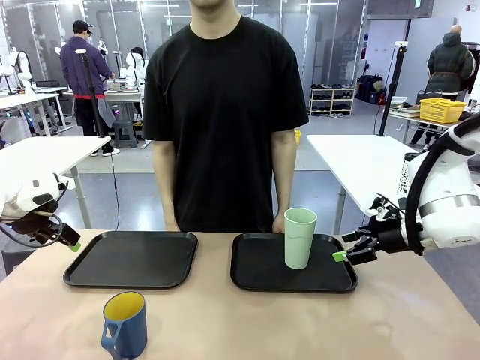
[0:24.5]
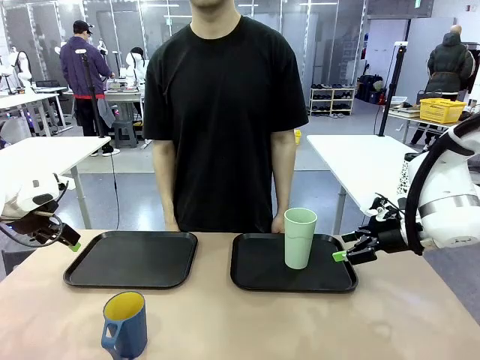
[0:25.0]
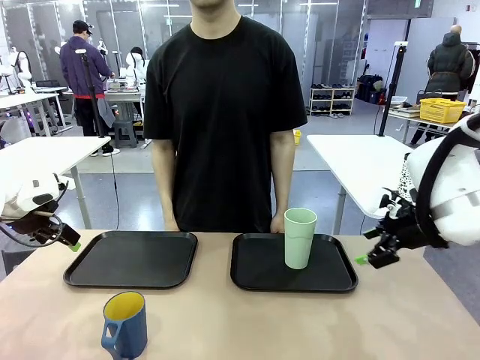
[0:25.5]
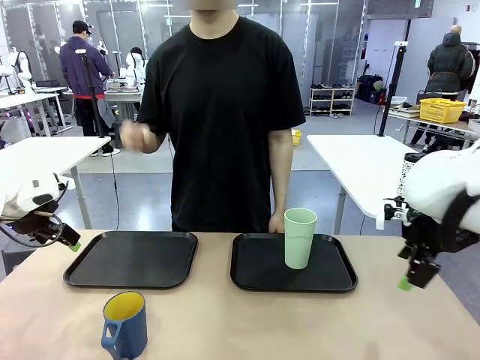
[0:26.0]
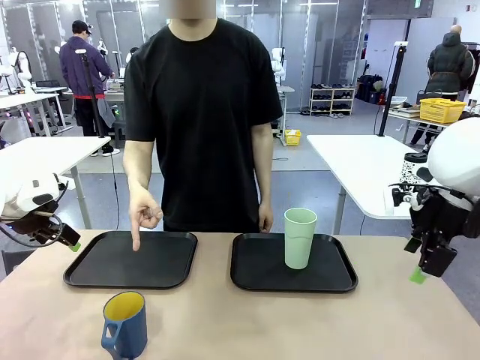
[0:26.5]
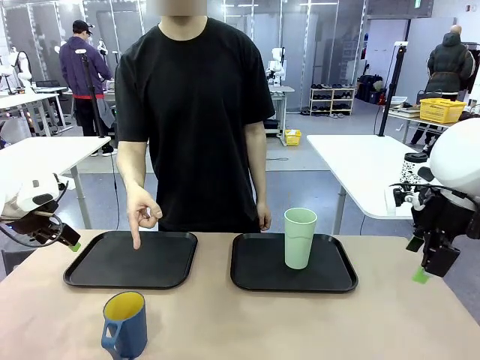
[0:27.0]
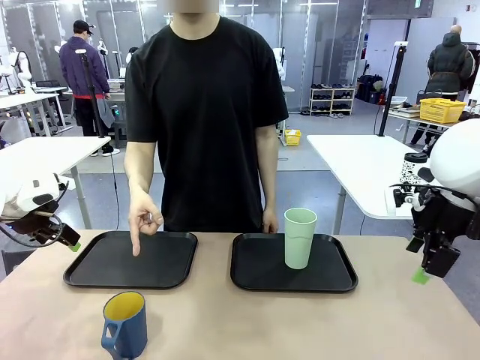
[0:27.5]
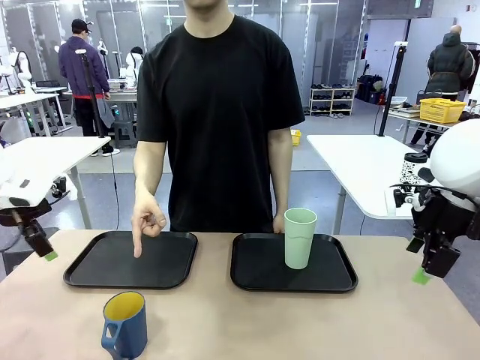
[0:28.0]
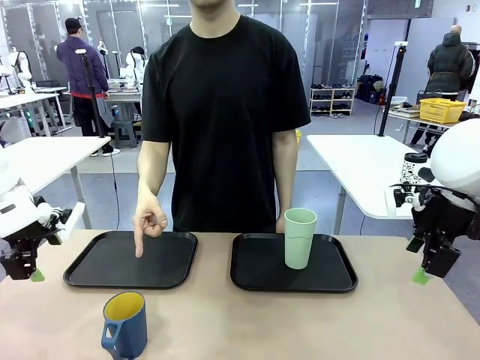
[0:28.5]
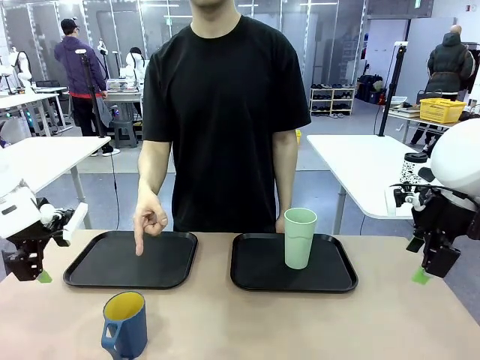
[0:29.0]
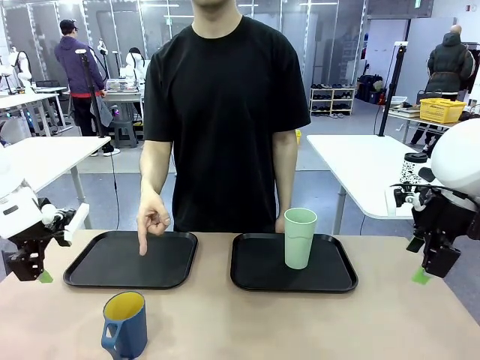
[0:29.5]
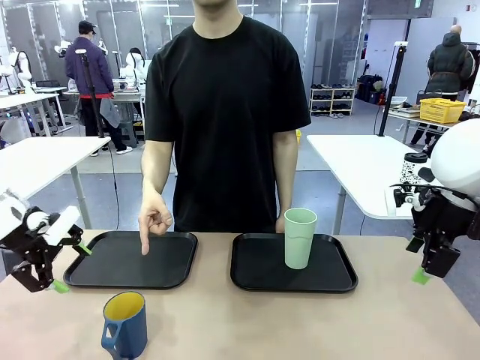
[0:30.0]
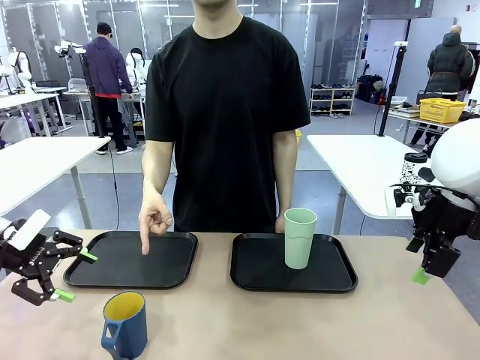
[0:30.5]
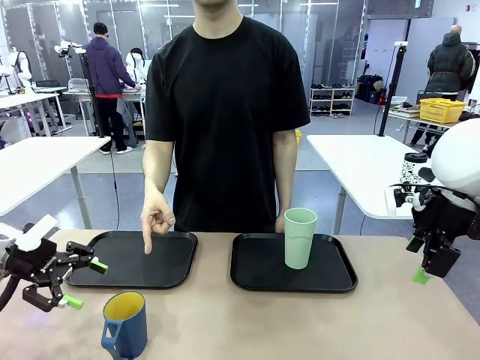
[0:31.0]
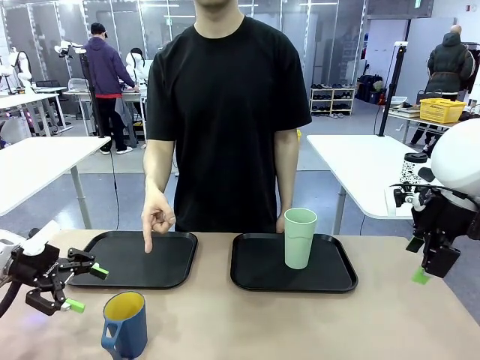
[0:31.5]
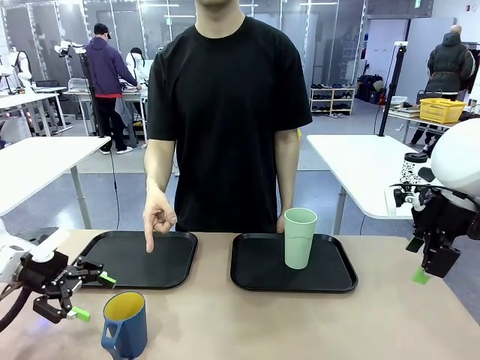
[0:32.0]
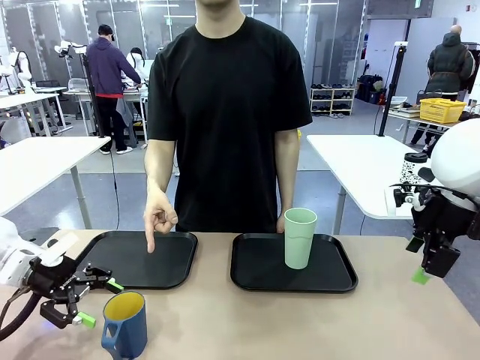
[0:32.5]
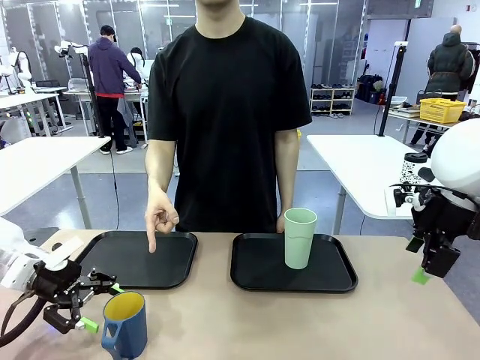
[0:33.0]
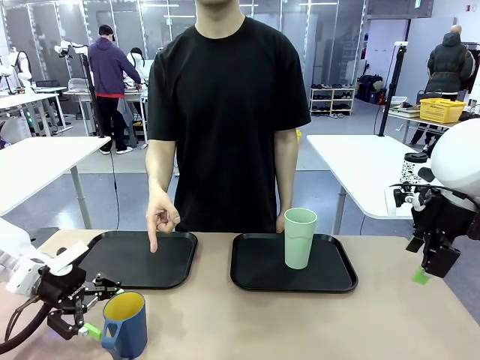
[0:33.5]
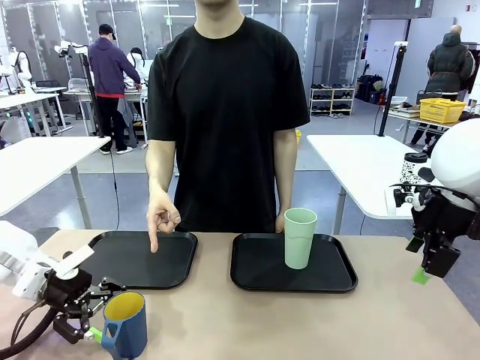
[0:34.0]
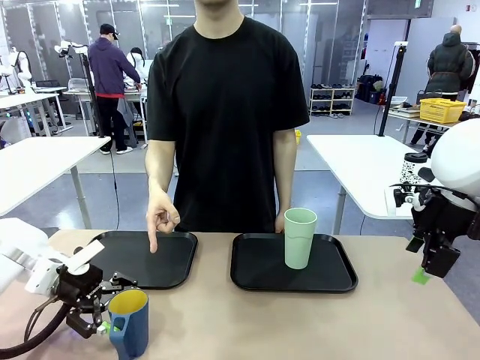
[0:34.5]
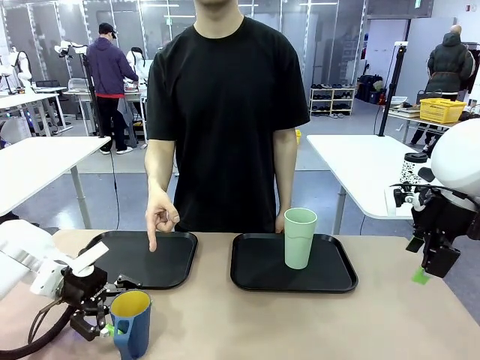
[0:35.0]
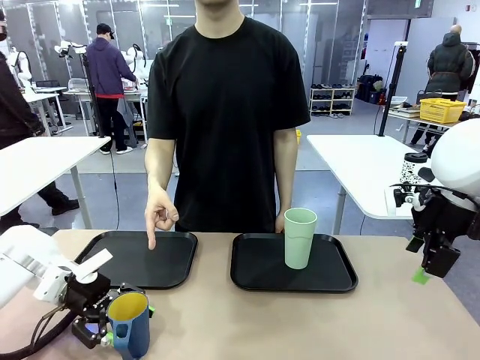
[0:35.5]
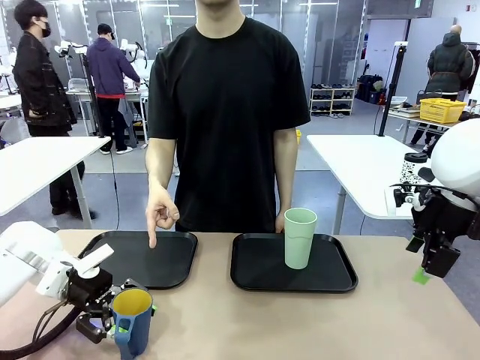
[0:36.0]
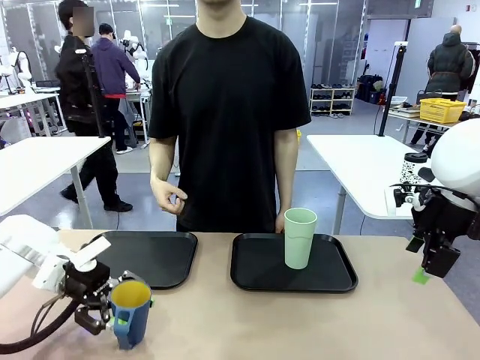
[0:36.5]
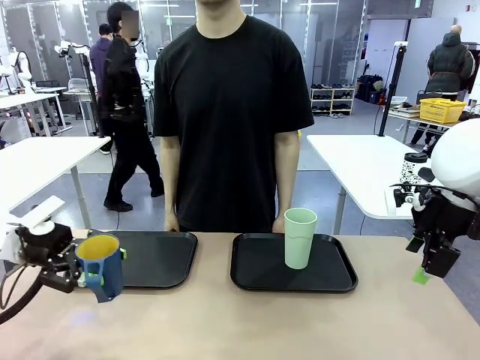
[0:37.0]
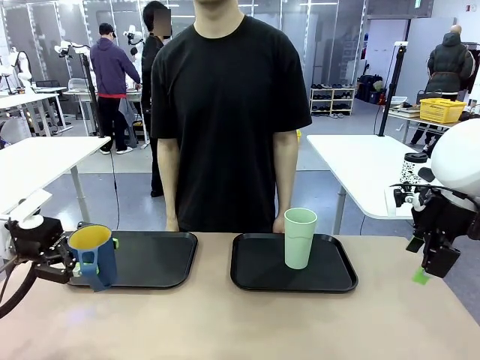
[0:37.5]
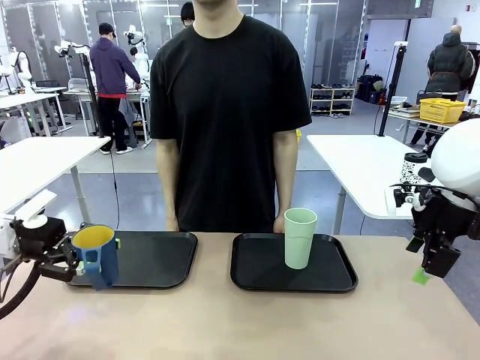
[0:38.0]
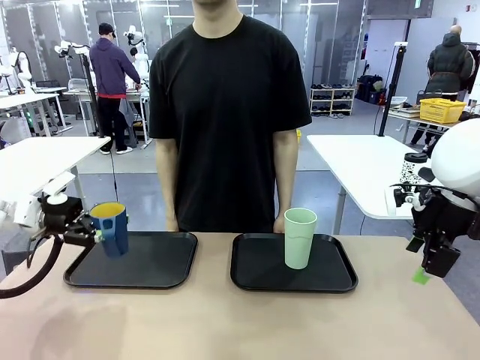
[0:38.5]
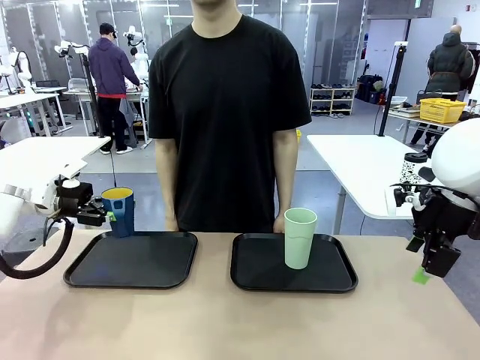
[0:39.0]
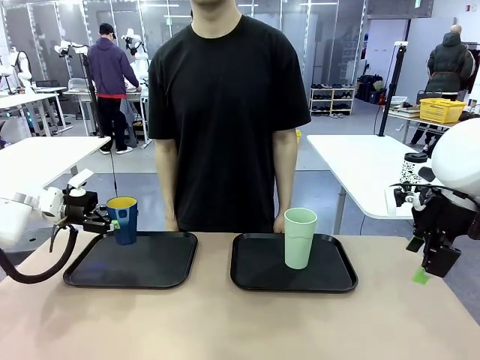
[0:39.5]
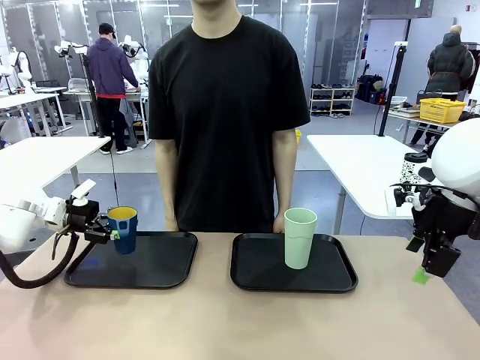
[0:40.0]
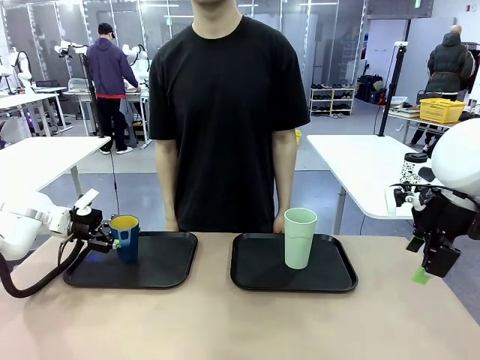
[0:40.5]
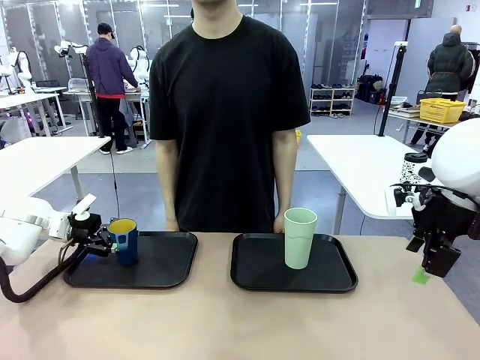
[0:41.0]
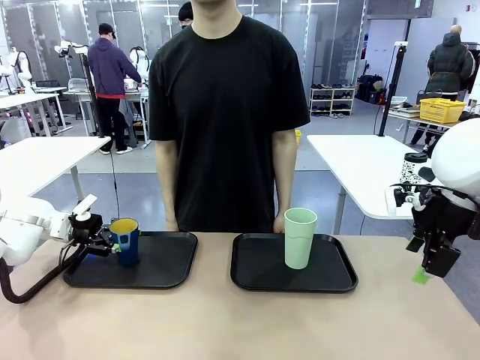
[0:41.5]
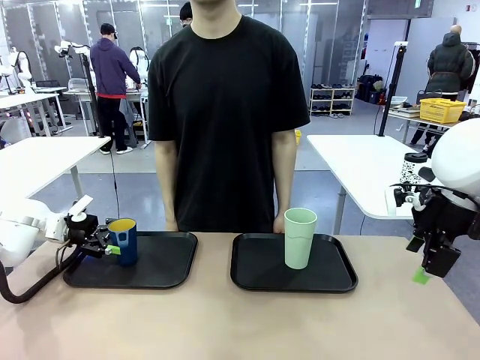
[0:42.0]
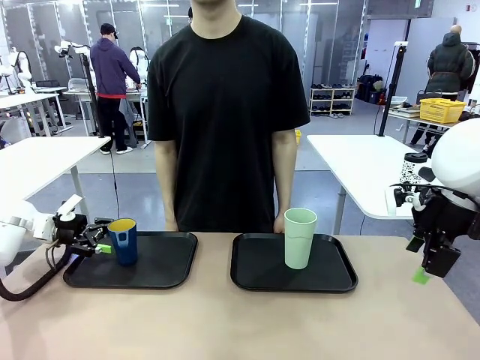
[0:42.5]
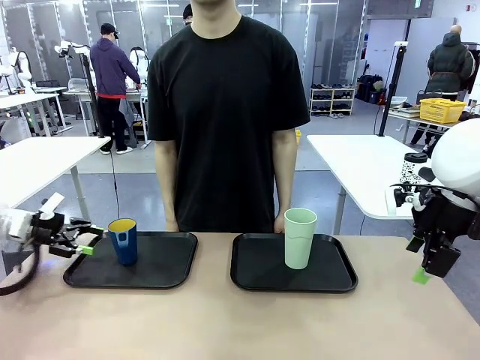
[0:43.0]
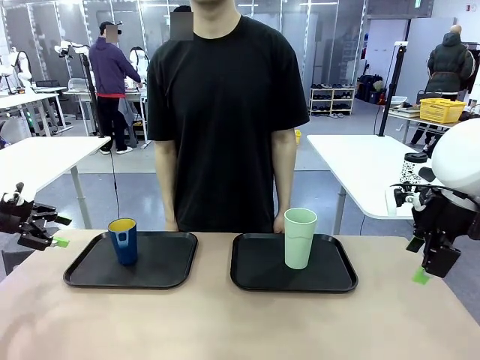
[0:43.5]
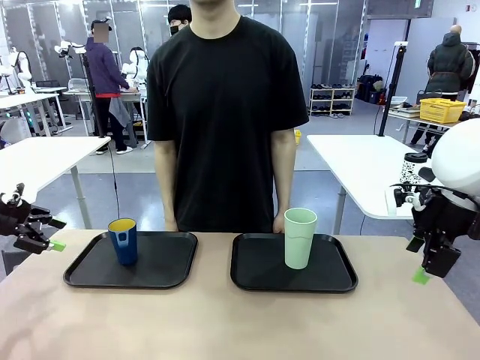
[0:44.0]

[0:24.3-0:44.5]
Task: Sort and store the cups by type.
Robot: Pick up the Handle plastic cup and place it into the empty Flat Tray.
Person: Points to the cup with a handle.
